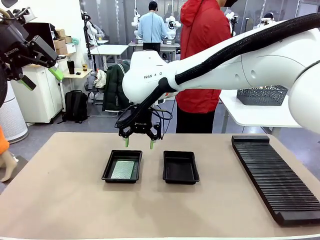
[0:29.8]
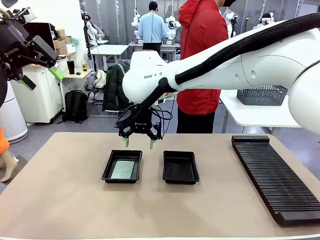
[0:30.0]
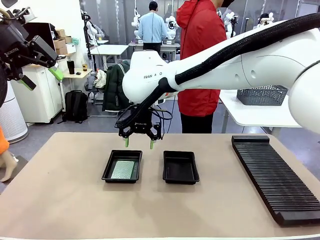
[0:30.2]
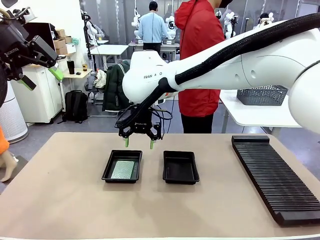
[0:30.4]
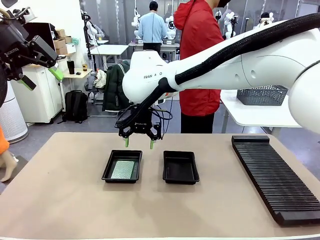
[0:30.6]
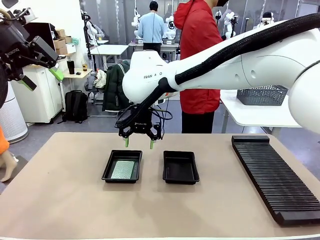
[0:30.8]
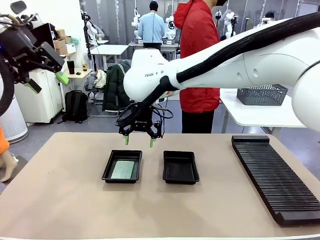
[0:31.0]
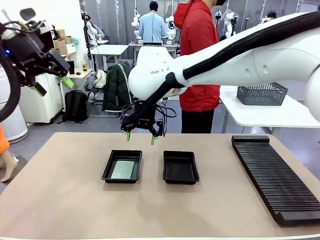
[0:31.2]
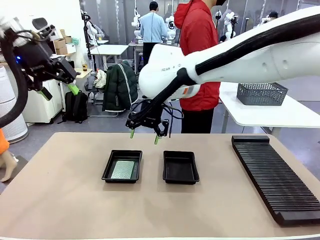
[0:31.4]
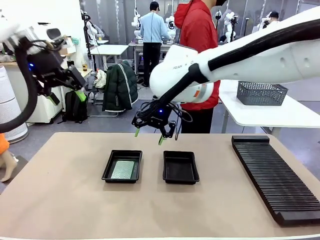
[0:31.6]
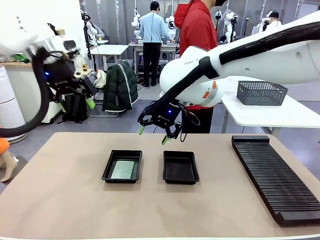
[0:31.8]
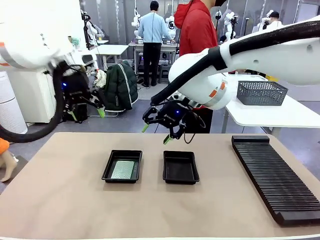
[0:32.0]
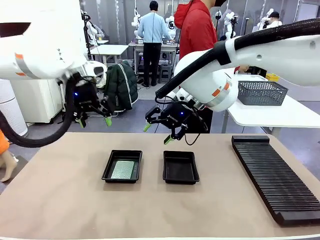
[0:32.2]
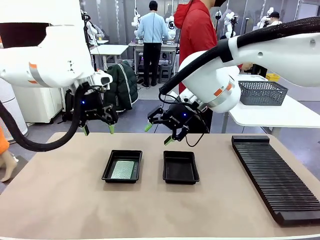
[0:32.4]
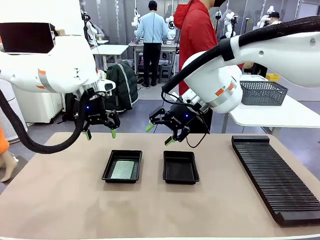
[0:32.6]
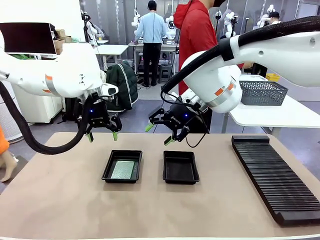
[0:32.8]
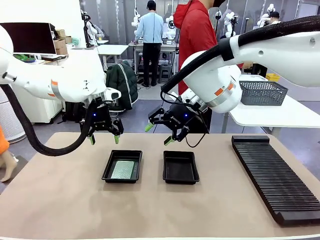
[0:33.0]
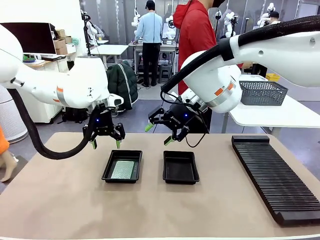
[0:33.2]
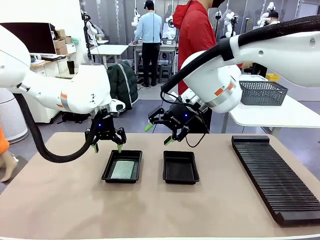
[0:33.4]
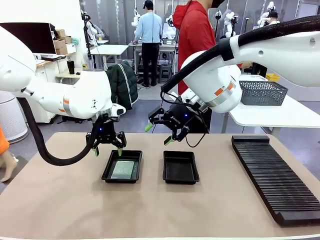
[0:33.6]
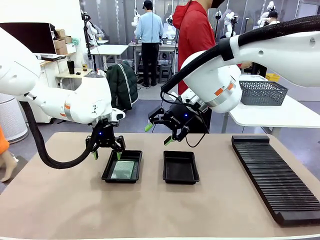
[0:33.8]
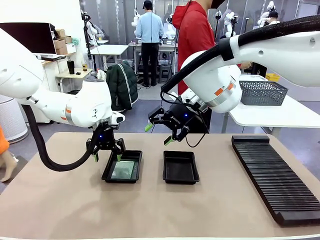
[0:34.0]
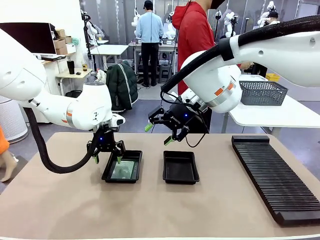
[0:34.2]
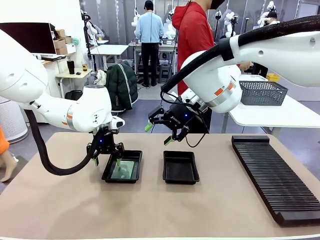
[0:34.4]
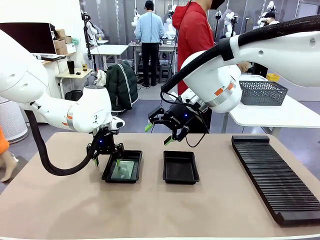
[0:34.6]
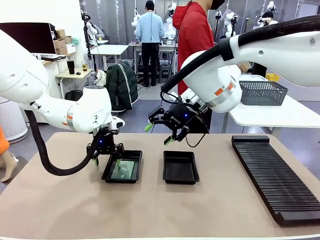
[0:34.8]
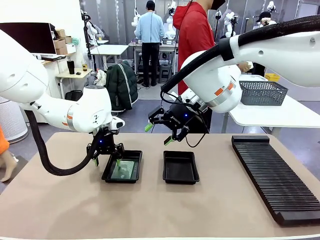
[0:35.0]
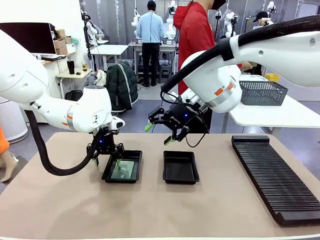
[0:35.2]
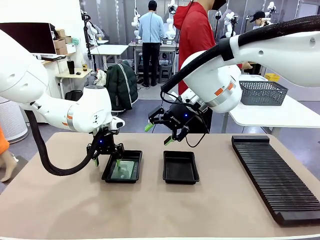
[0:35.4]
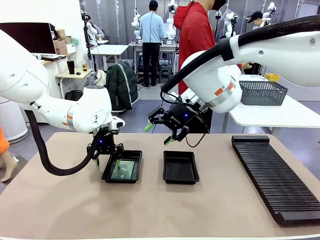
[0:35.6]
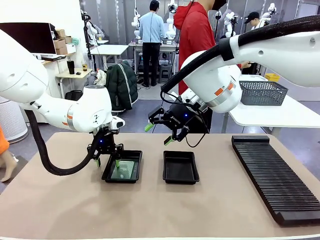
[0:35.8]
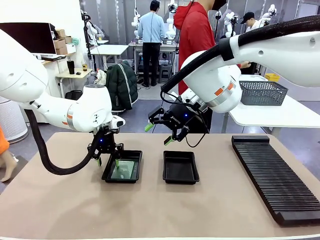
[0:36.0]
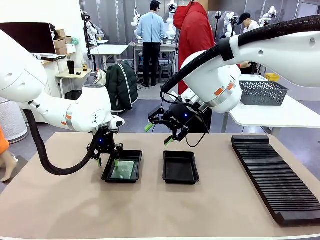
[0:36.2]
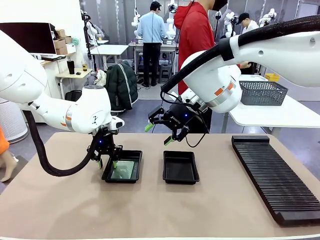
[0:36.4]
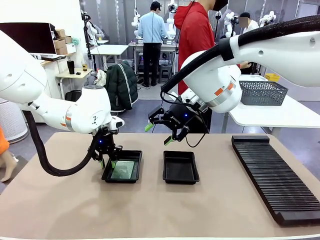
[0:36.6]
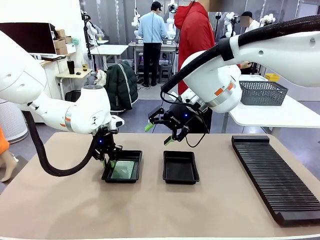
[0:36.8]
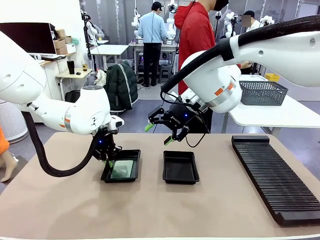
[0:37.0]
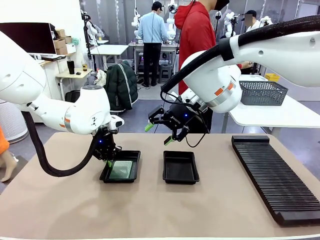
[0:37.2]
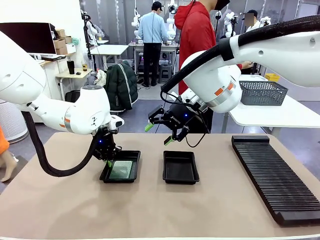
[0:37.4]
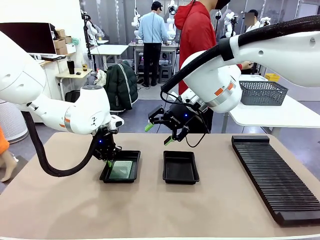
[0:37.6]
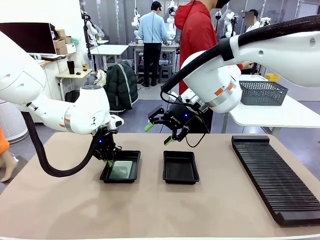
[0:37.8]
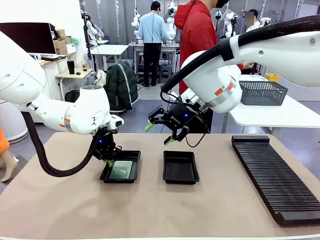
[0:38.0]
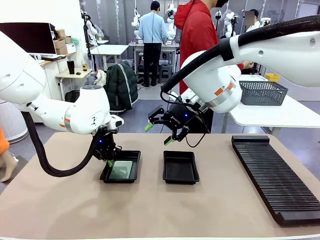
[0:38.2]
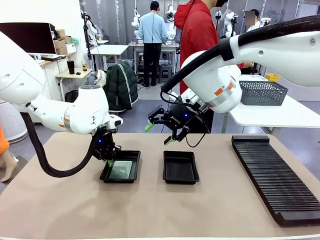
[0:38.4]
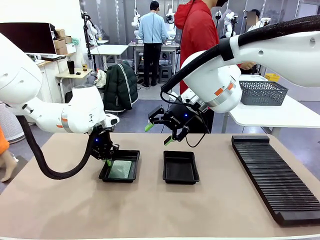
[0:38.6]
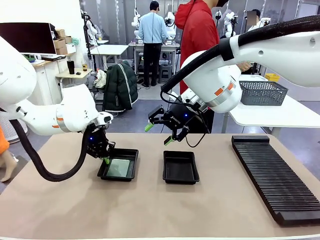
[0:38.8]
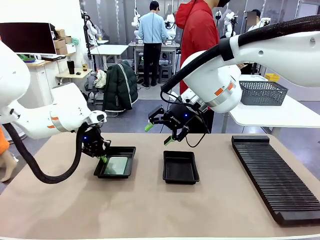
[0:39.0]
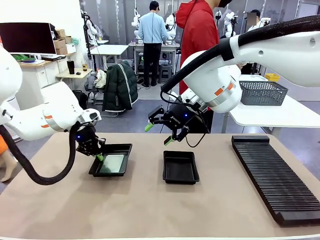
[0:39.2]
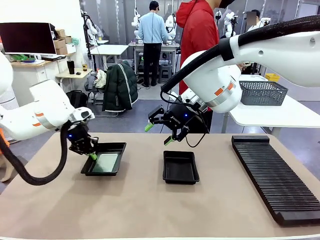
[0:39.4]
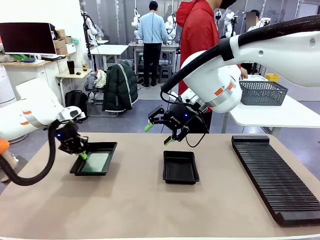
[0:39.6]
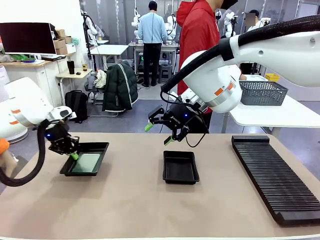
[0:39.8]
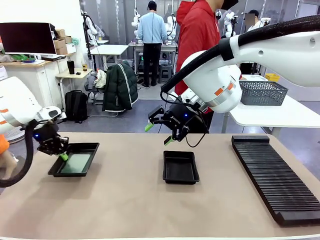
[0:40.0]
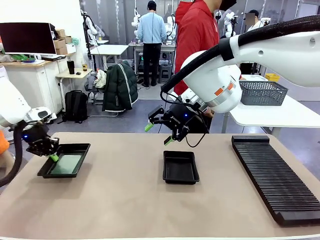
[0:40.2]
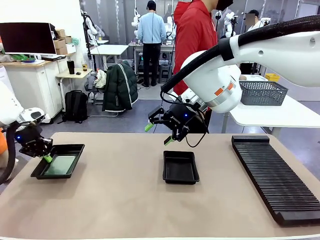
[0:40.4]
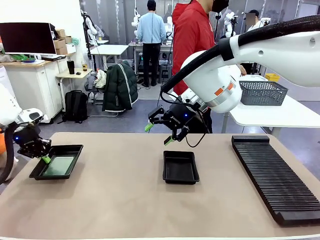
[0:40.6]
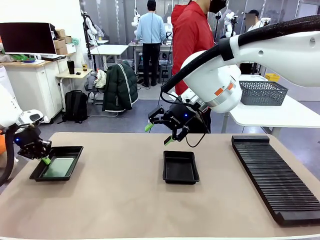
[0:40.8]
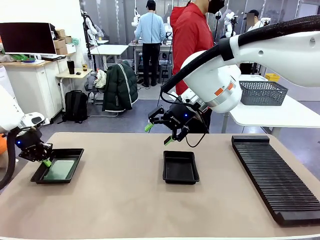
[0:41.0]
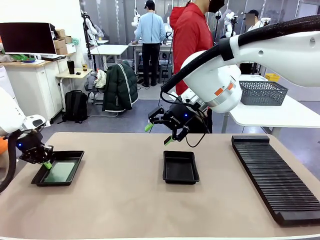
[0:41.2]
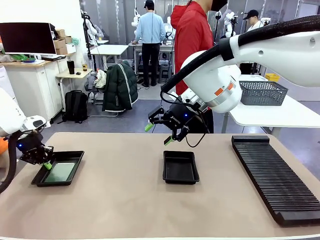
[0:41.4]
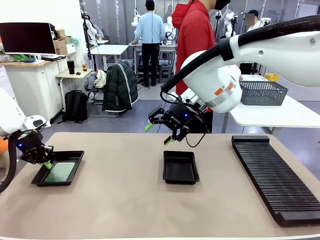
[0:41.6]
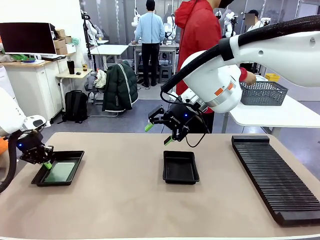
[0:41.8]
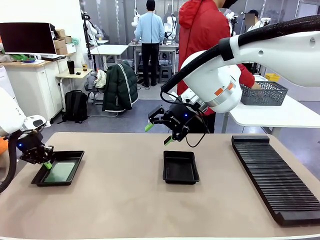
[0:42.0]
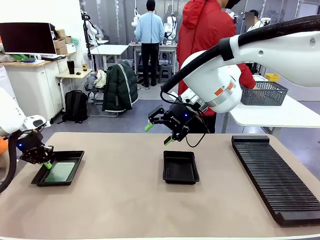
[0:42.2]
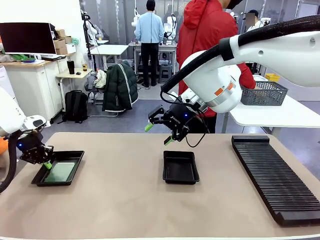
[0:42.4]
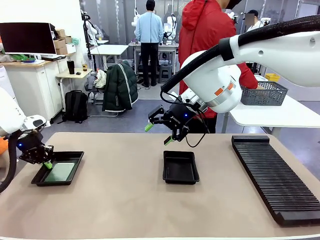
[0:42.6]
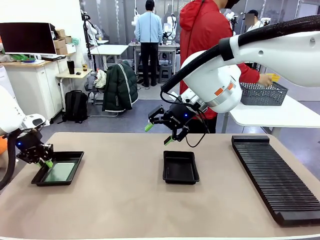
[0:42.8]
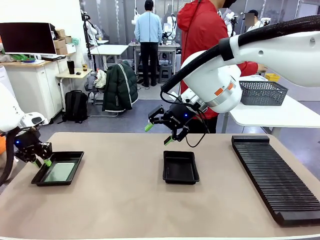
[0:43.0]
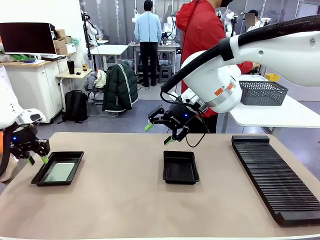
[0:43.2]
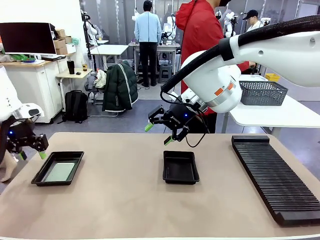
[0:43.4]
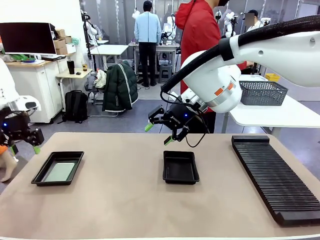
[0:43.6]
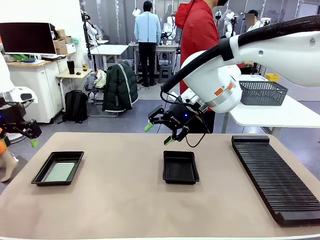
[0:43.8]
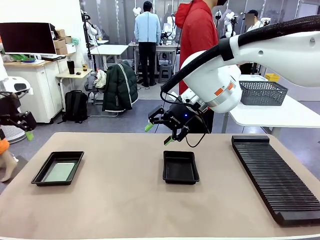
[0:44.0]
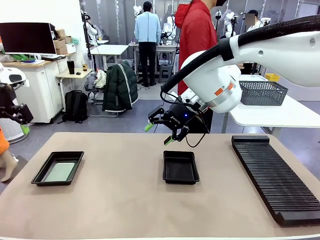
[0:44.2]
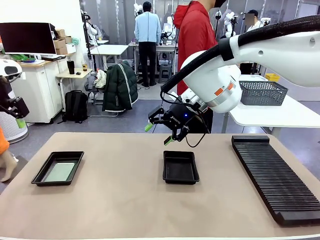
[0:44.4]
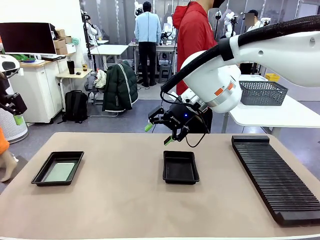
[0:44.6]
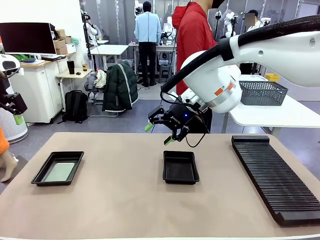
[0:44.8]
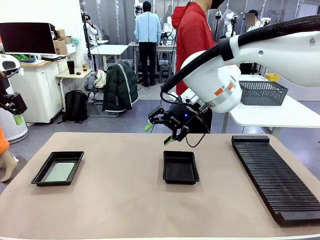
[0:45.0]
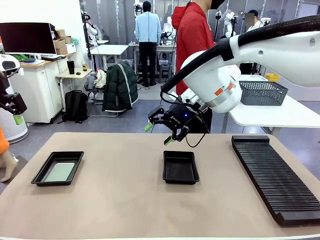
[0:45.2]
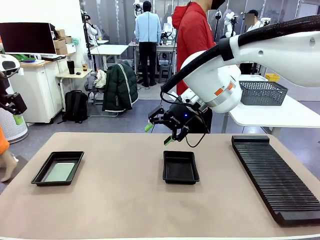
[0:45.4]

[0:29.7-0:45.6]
Task: Inspect and transfer BCBs to ESD trays.
Robot: Pick up the ESD tray and place it on the left side of the table.
